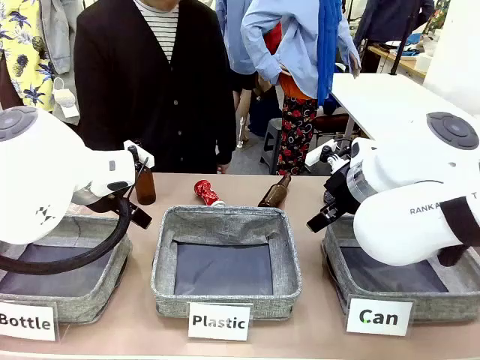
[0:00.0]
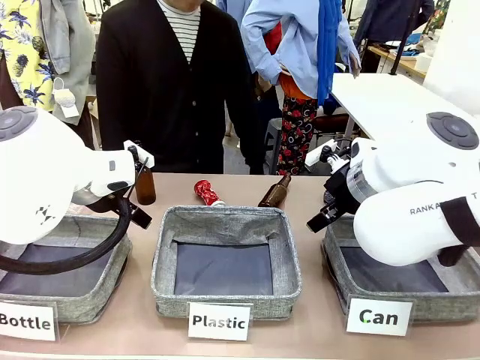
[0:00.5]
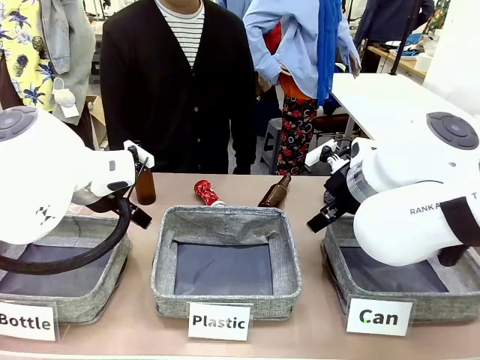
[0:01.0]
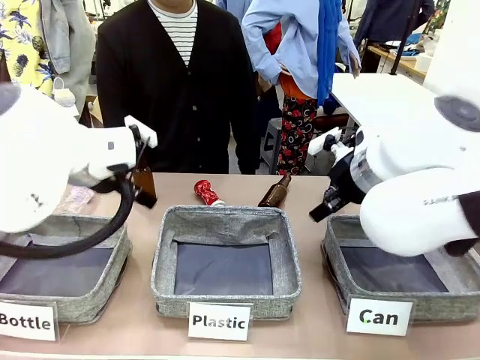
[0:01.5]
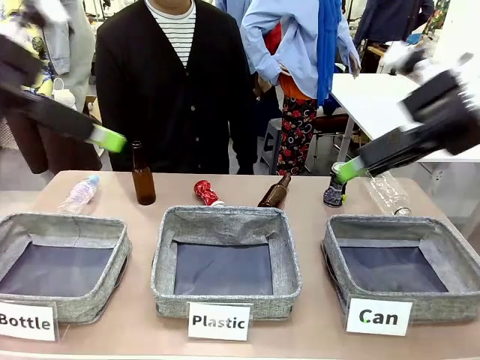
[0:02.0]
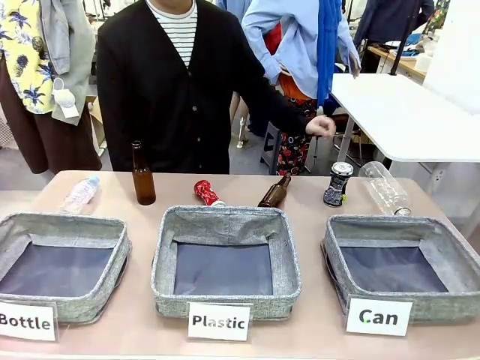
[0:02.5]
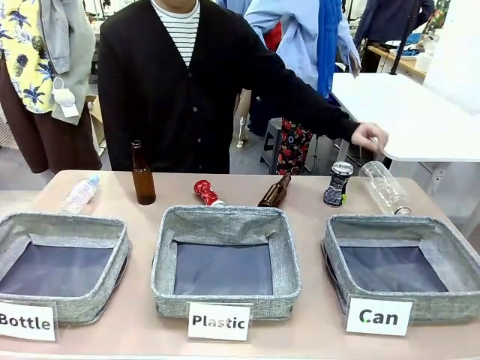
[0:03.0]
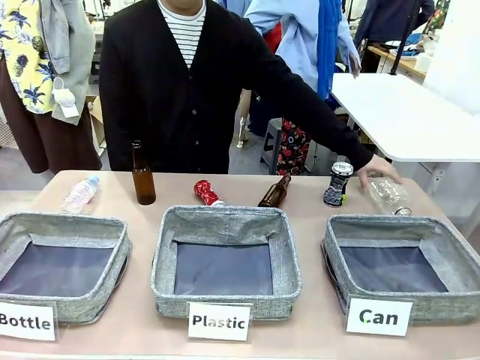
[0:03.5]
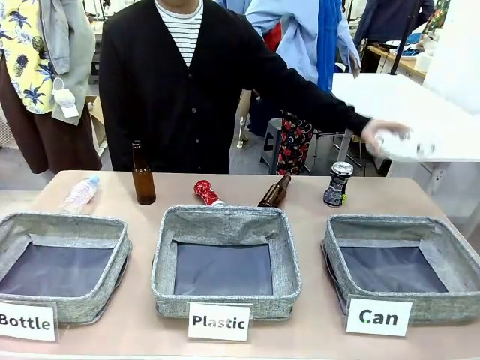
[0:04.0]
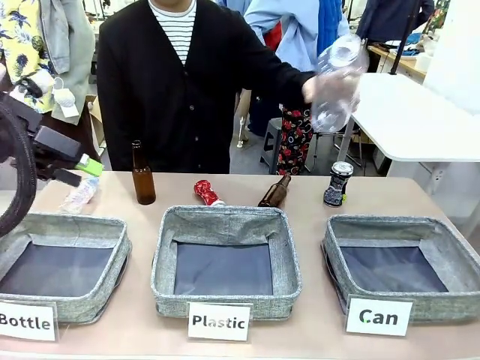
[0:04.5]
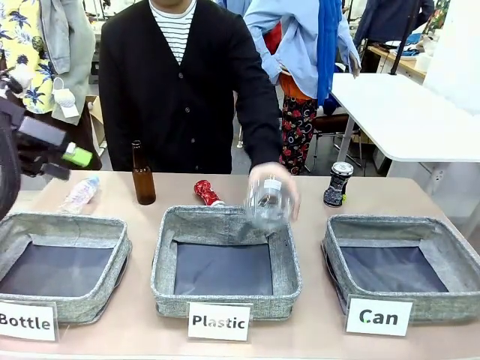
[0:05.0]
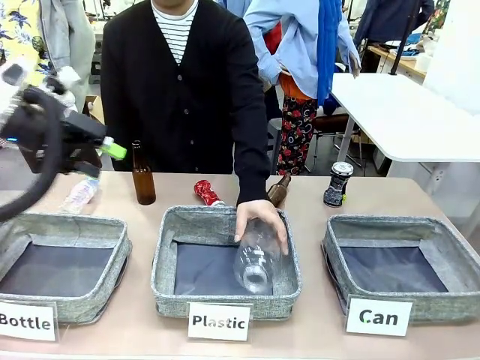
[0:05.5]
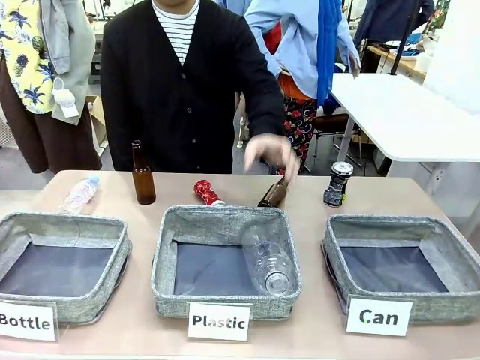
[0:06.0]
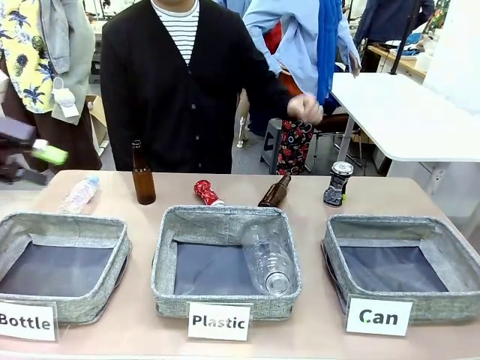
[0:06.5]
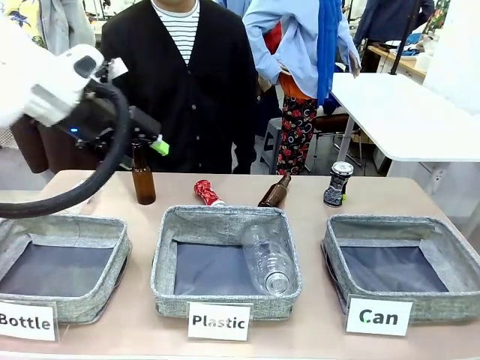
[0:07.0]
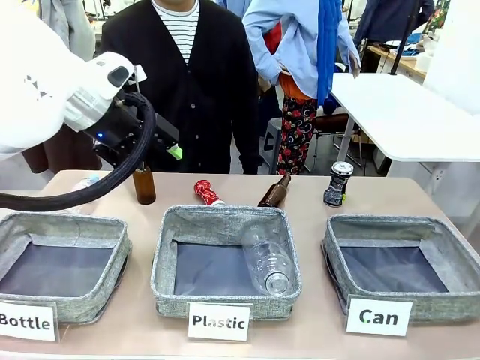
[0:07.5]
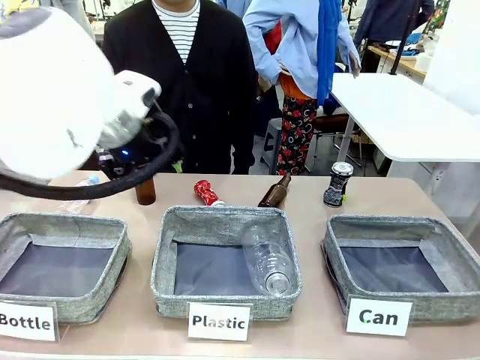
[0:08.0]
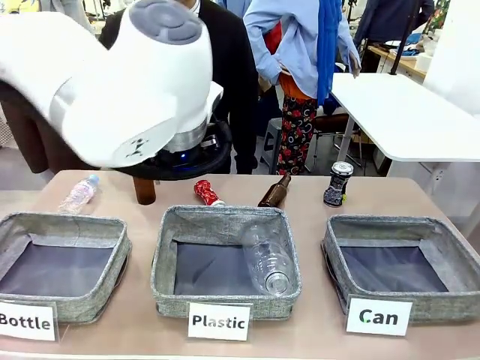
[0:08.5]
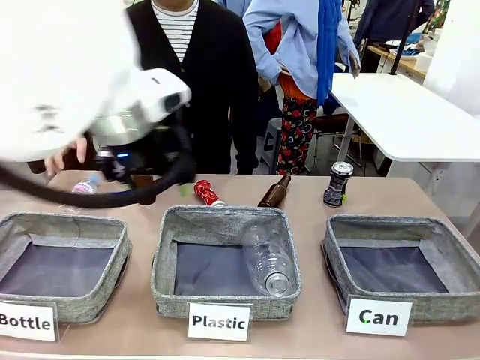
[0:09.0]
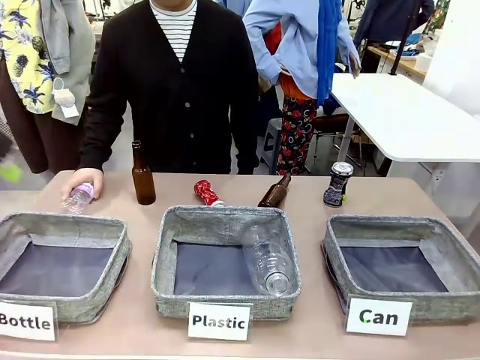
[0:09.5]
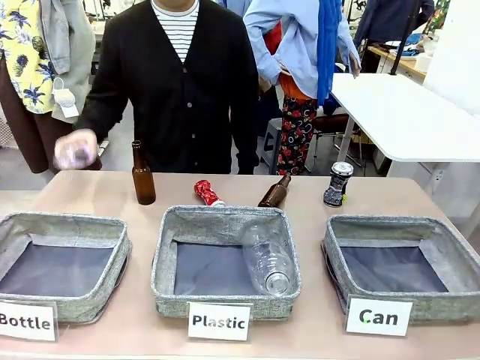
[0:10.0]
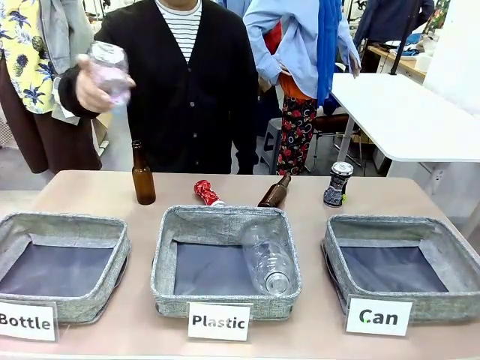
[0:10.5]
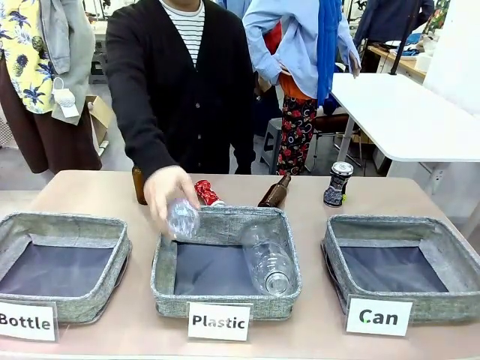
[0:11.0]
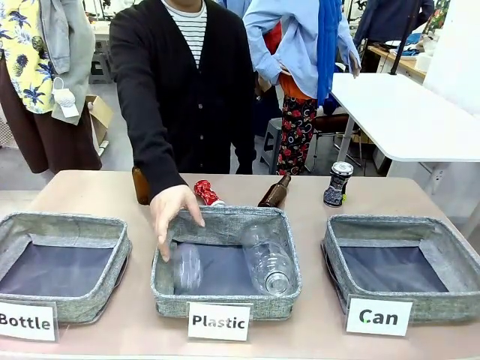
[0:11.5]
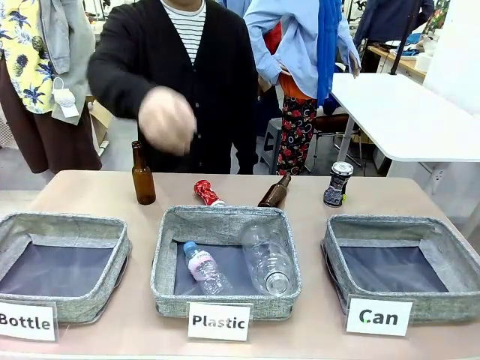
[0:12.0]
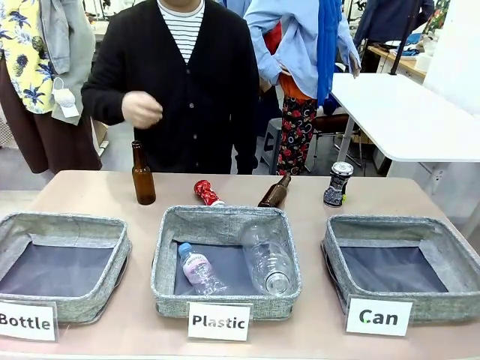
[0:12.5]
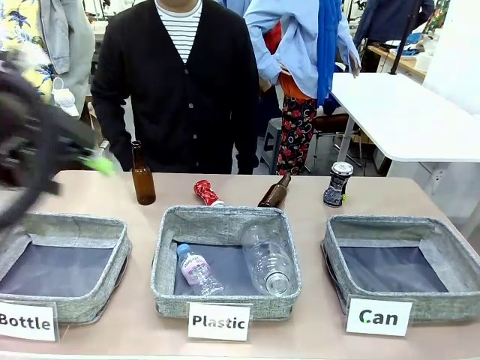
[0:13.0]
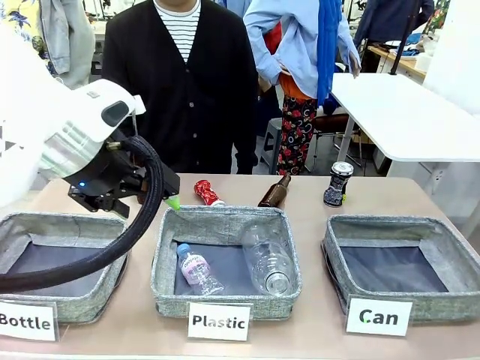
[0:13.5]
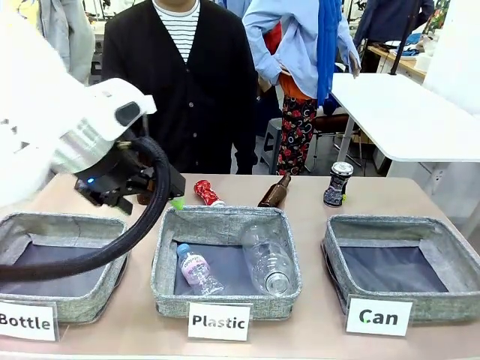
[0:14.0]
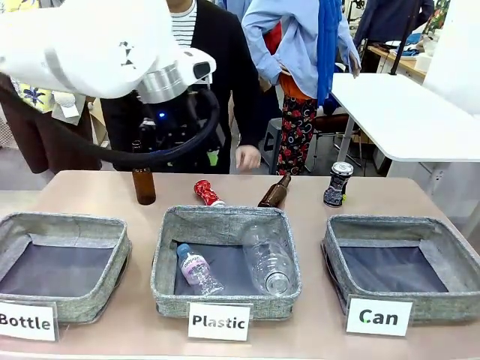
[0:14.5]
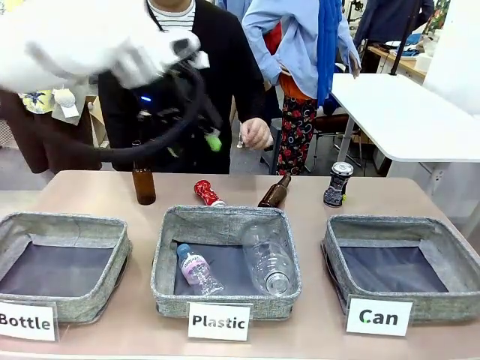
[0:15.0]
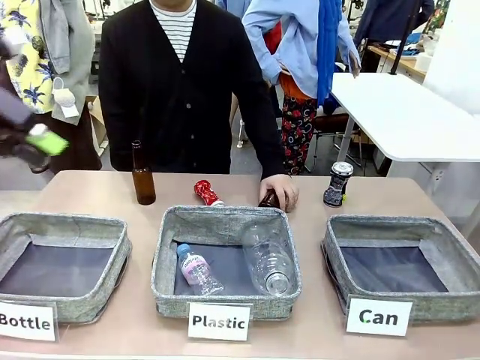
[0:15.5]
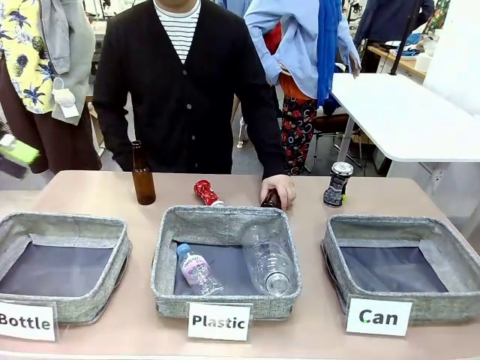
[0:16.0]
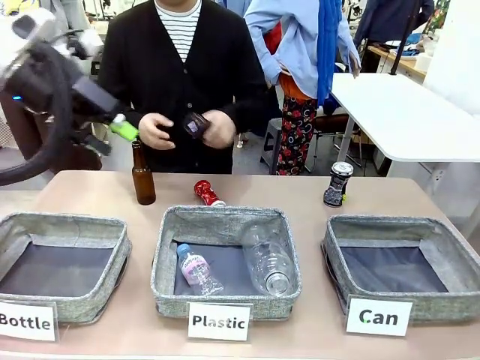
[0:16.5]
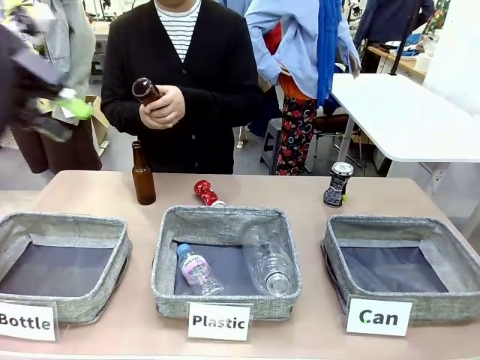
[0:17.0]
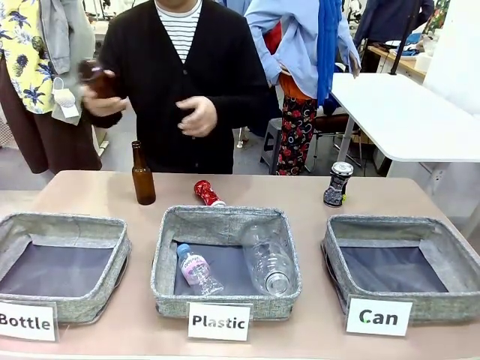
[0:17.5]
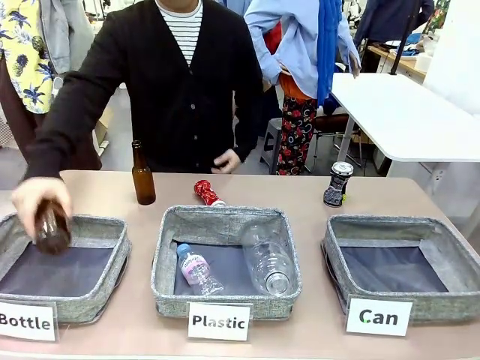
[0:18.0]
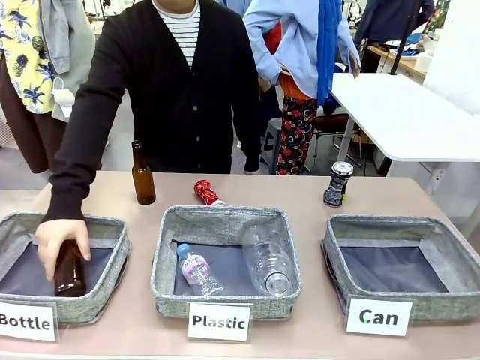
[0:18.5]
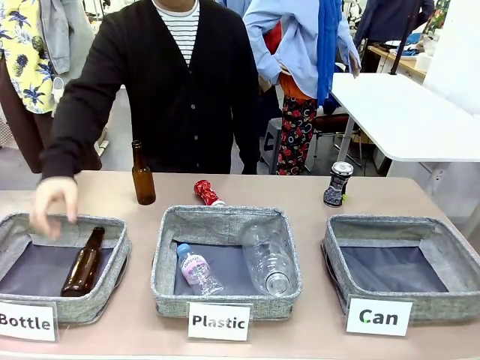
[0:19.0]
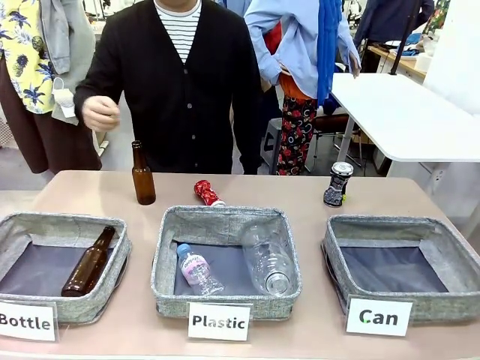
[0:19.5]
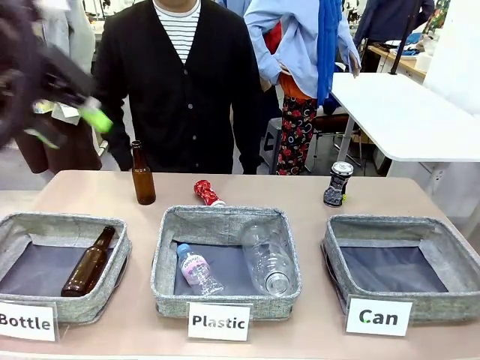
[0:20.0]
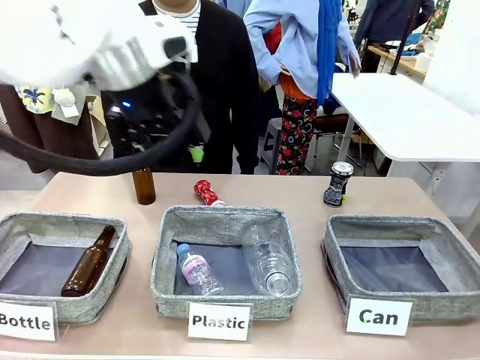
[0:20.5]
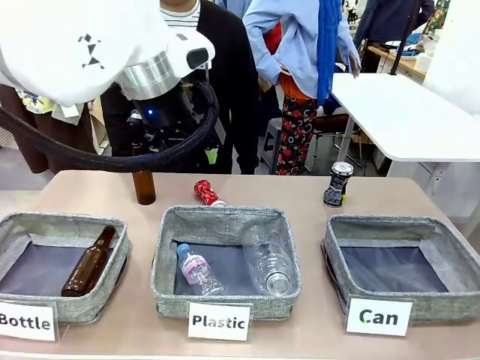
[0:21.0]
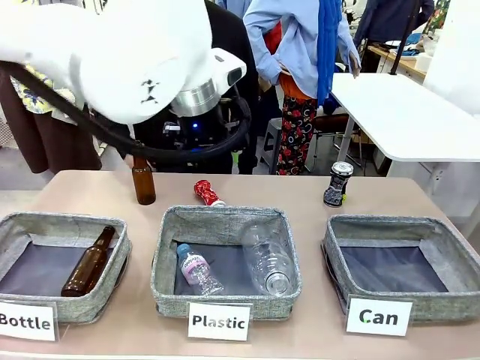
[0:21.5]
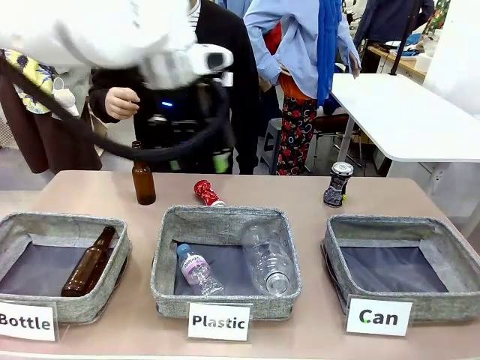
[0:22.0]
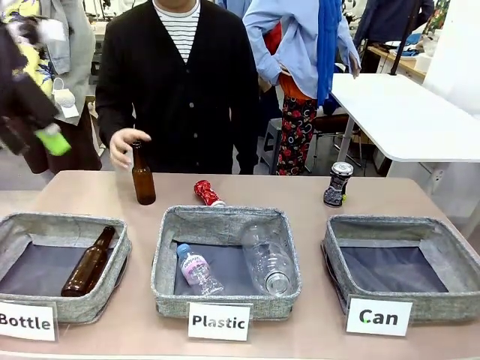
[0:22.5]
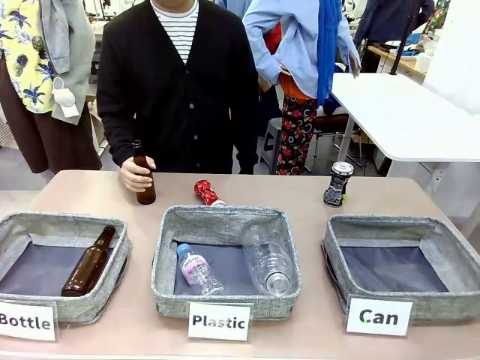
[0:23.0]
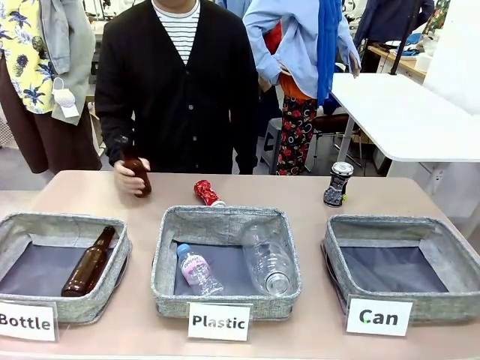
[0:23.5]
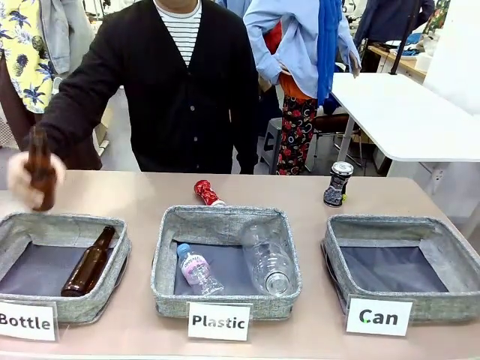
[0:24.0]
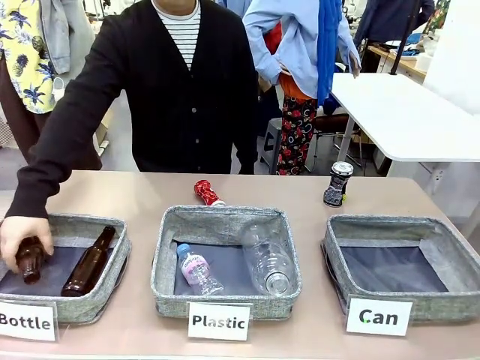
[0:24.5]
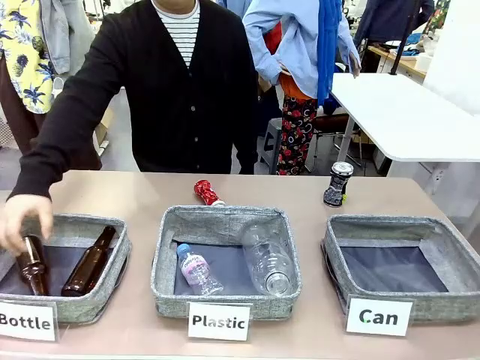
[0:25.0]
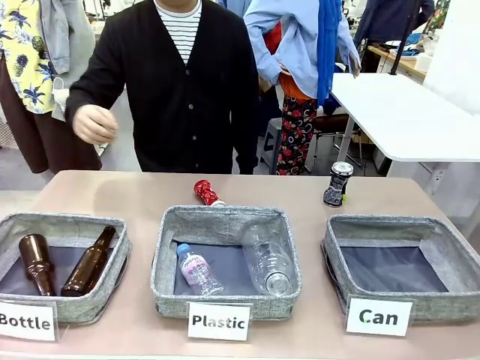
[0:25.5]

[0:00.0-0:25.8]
Task: Sort the can waste into the basket.
Robot: Pick up the can waste from the table and place it in the right Fabric basket.
